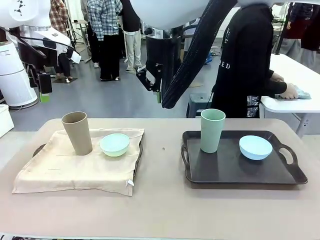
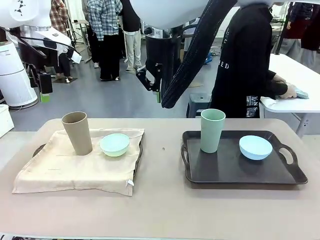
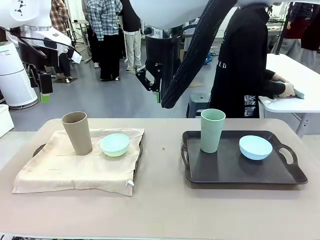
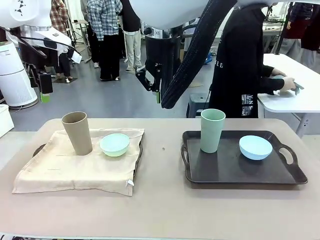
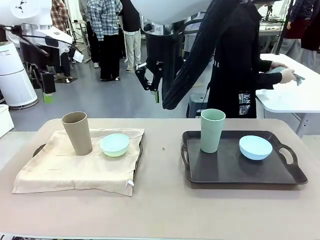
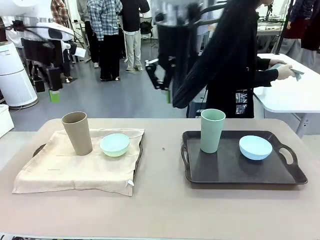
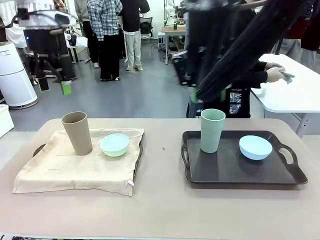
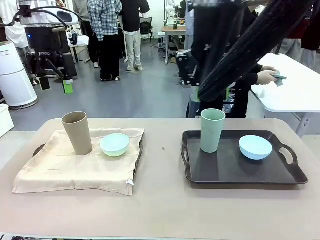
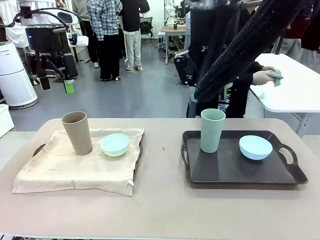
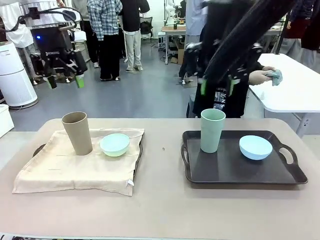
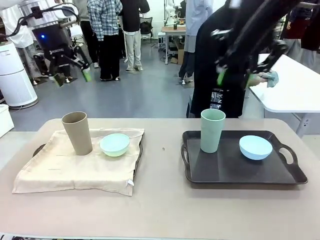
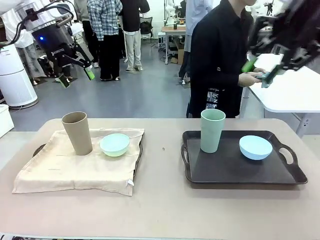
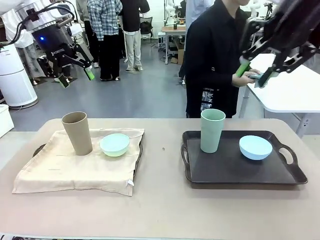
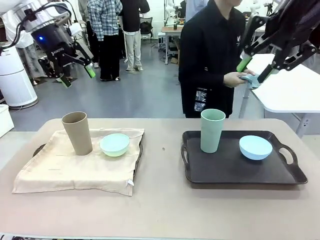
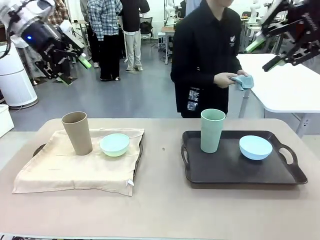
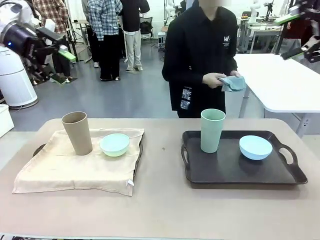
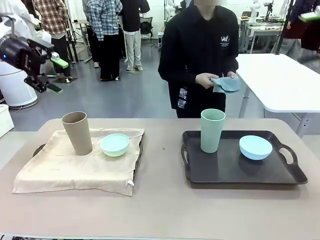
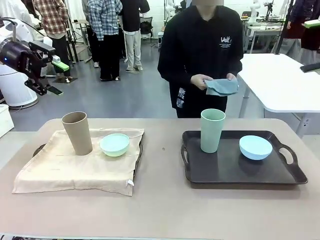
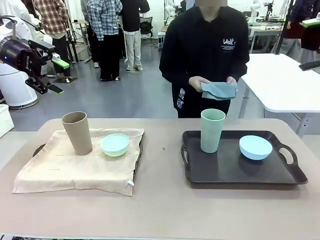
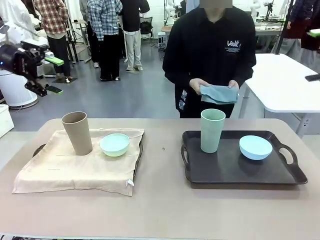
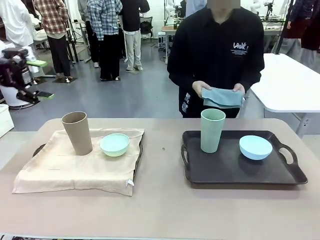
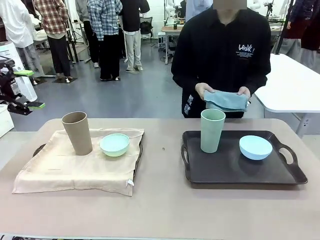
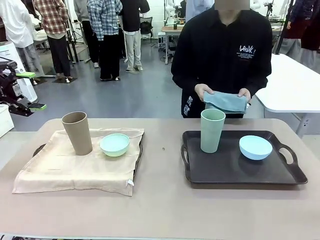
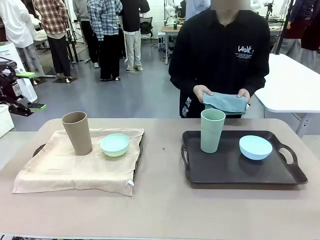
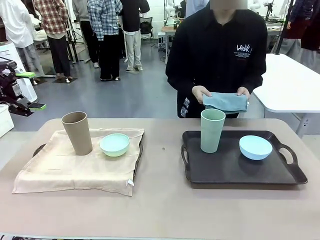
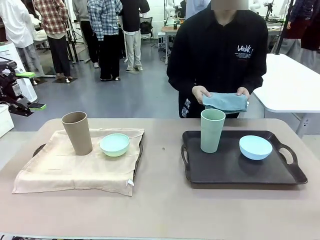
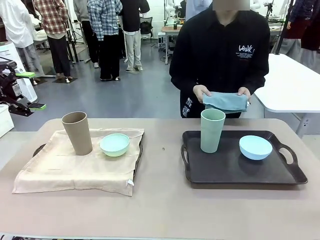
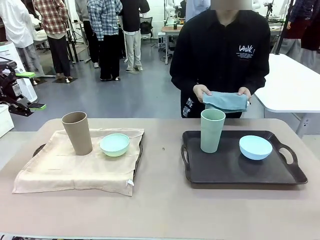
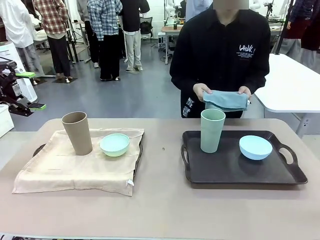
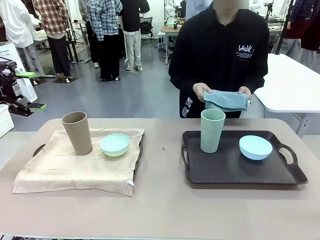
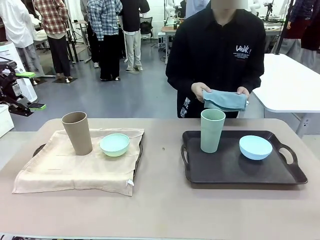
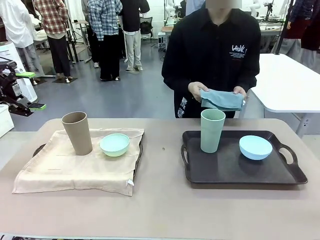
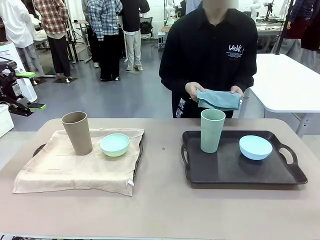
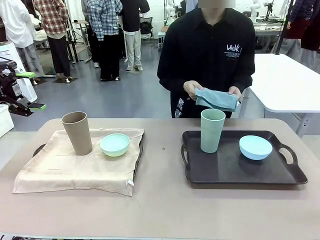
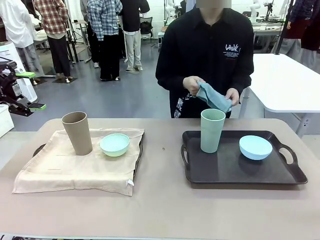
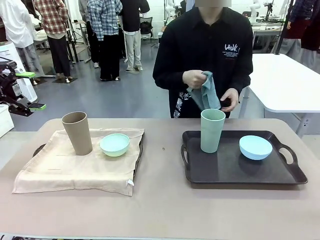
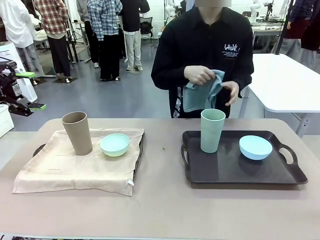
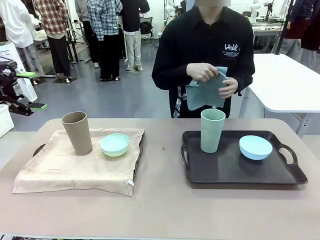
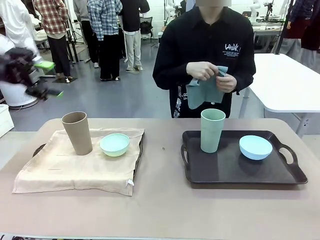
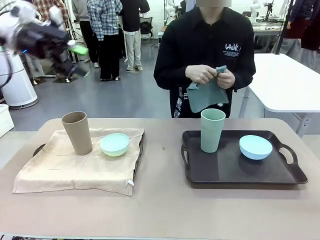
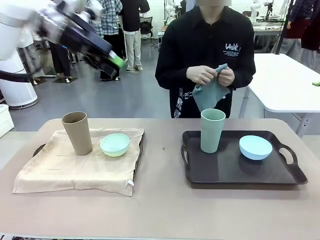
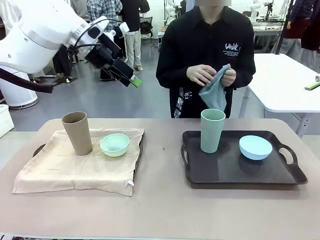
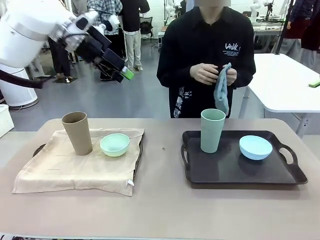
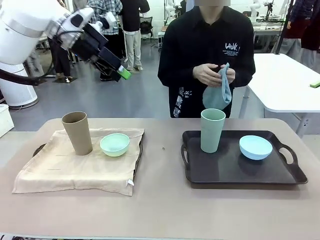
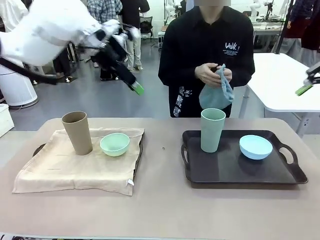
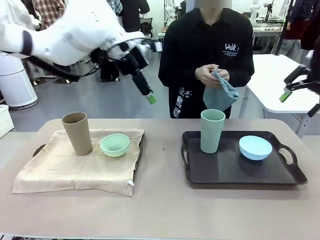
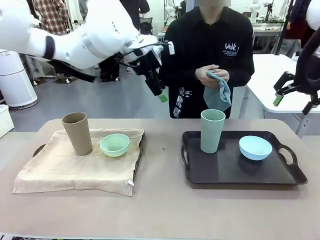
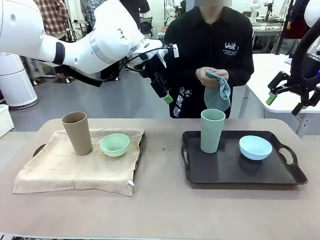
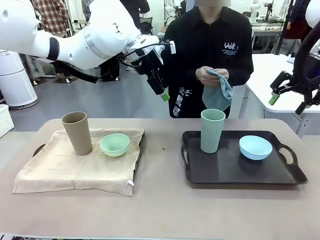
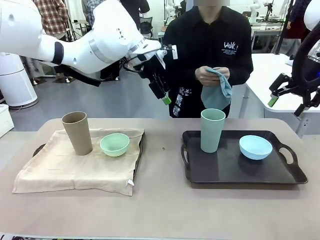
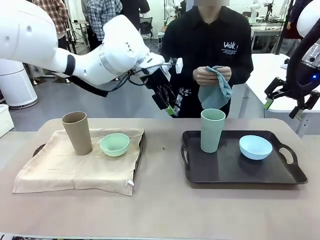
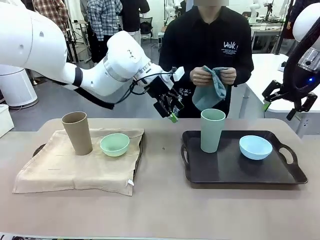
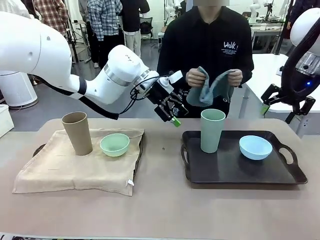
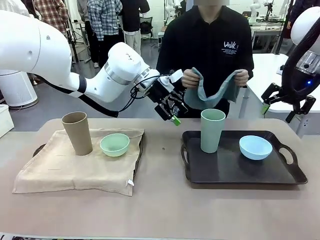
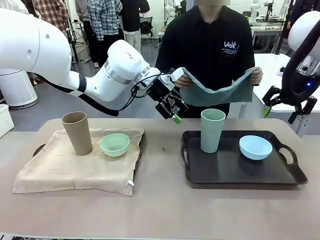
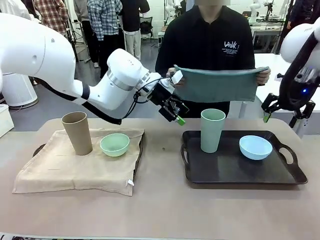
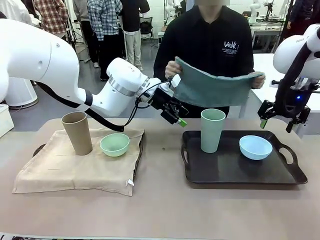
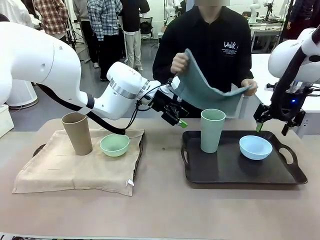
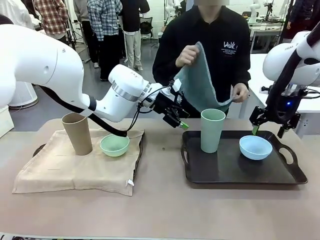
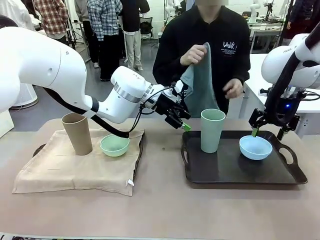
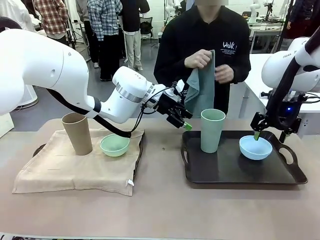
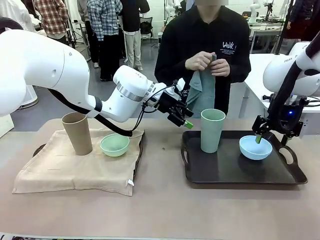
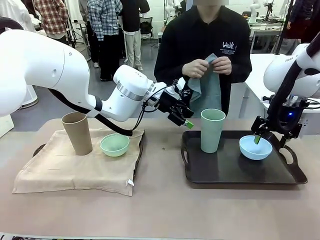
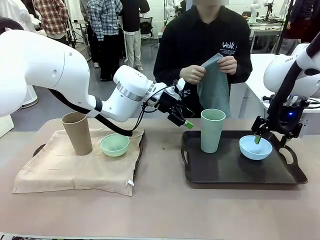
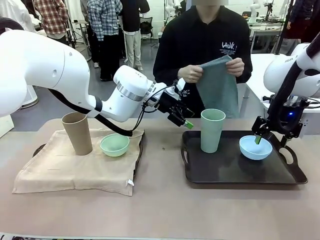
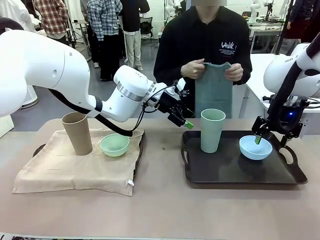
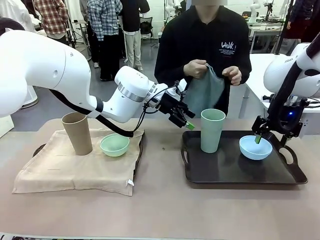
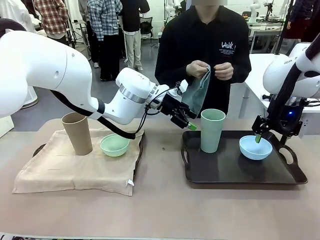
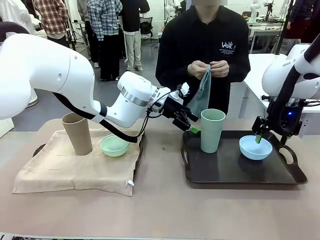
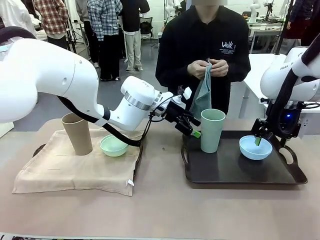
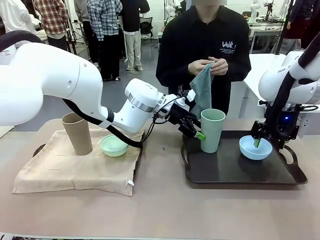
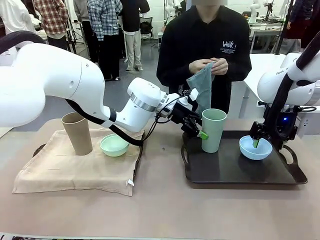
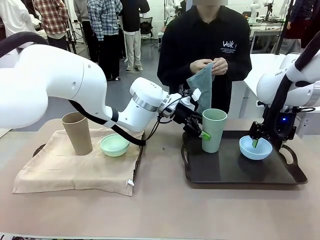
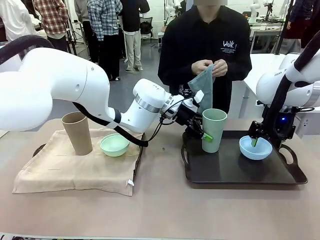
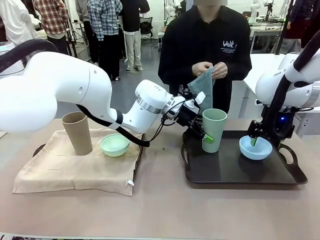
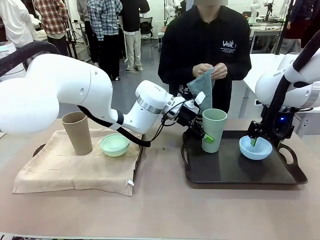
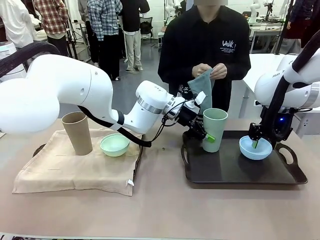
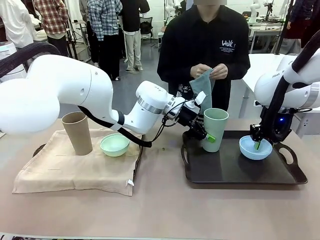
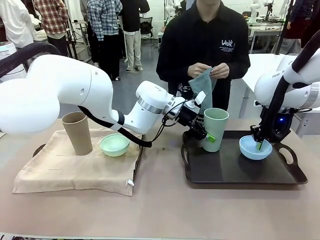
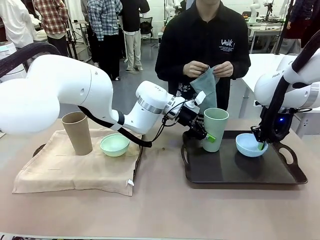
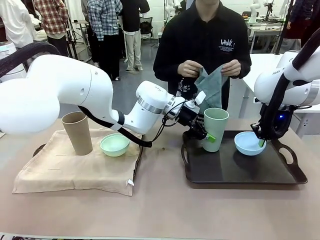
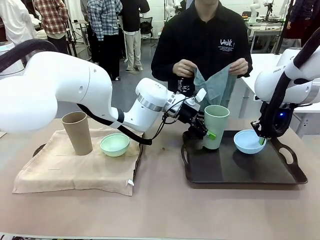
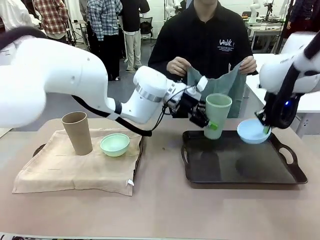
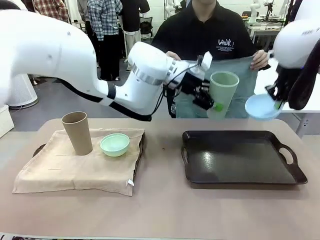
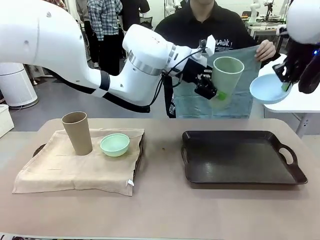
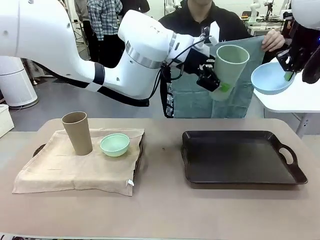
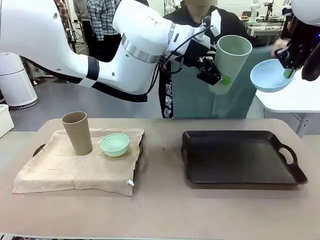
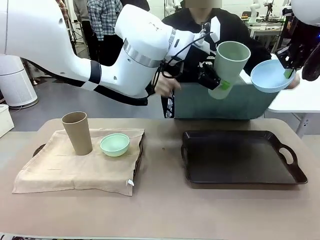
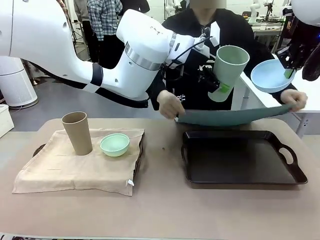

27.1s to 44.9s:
Robot: Pick up the Picnic Bowl and Reusable plastic cup from the Handle tray in front of the human's position and hold them in the air.
Person: The human returns to the human table to pick up another napkin and walks to the robot table to stand in front of the tray without a napkin.

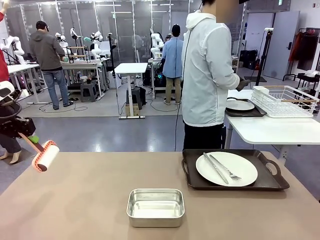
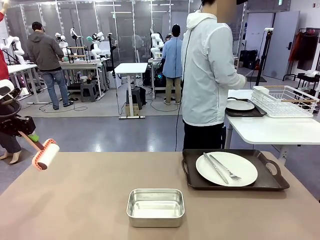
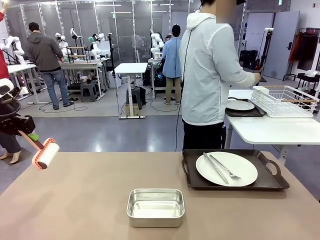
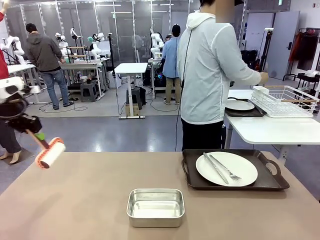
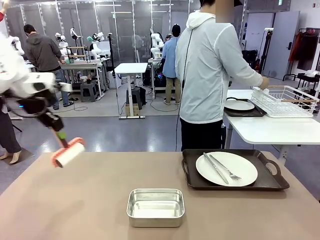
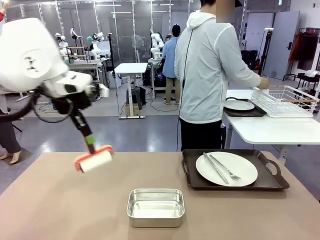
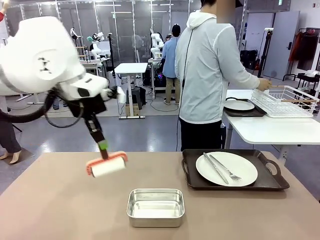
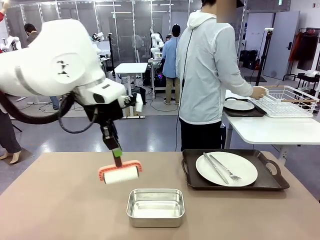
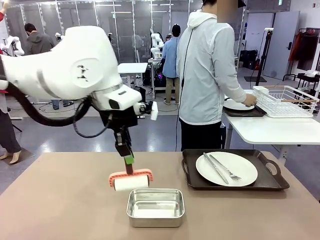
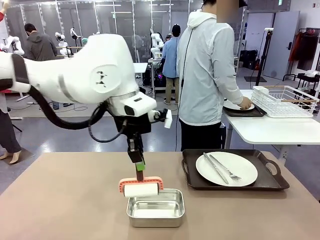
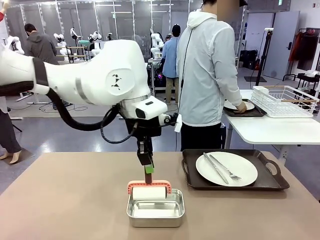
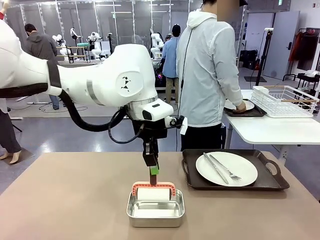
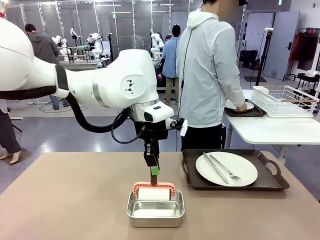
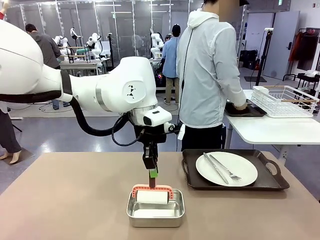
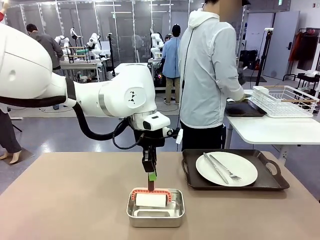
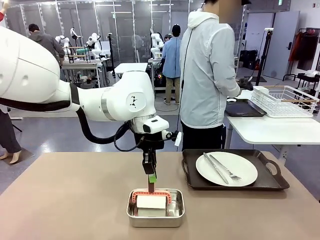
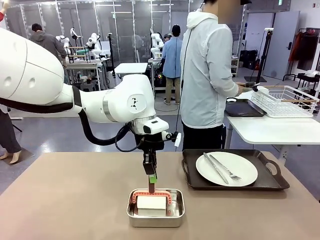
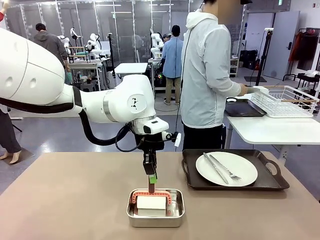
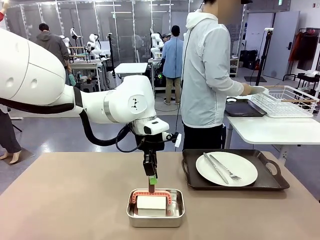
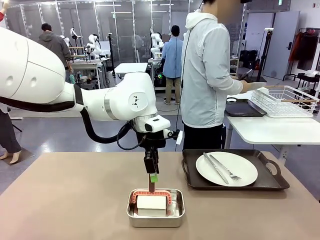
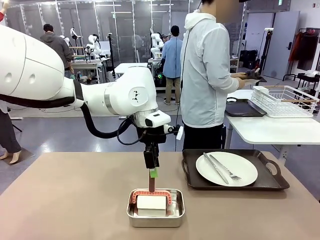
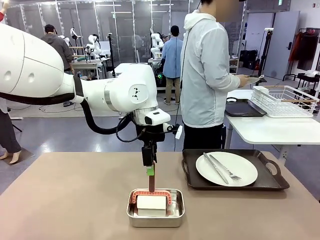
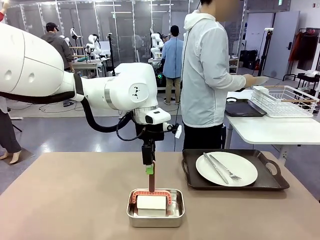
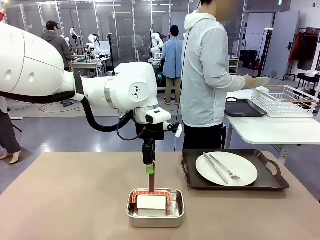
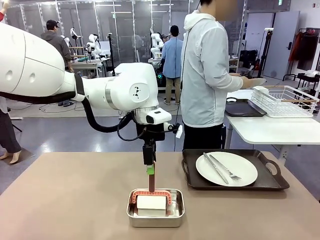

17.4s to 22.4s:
Robot: Place the Lint Roller back on top of the Airtight Container.
